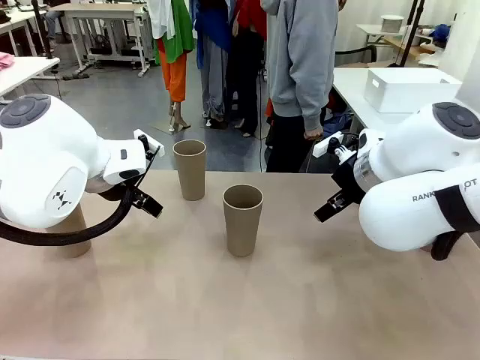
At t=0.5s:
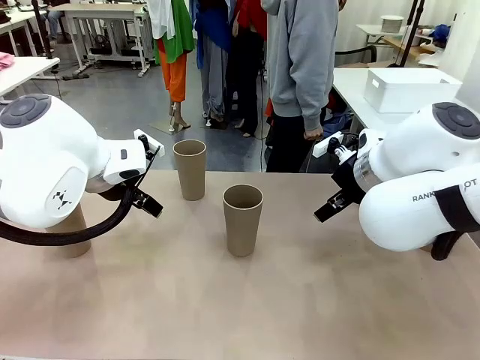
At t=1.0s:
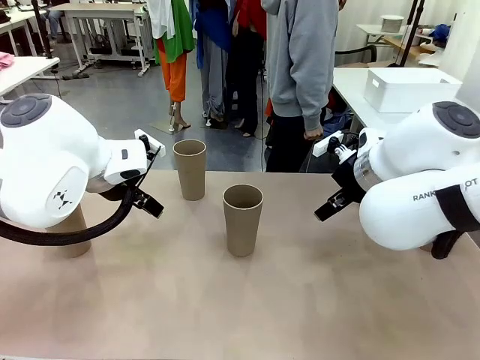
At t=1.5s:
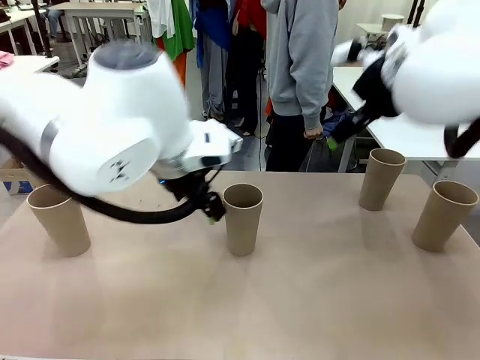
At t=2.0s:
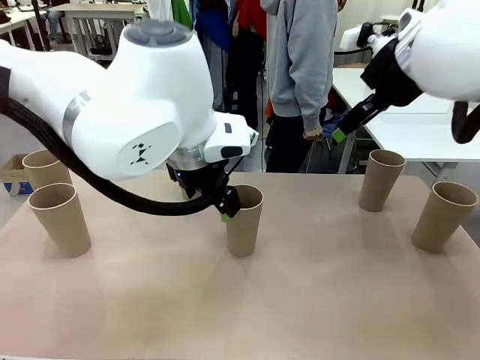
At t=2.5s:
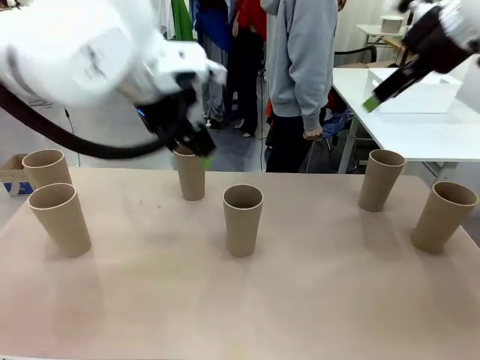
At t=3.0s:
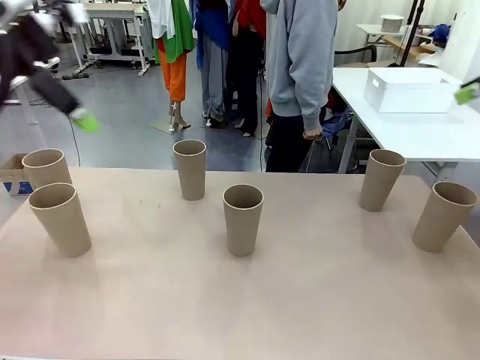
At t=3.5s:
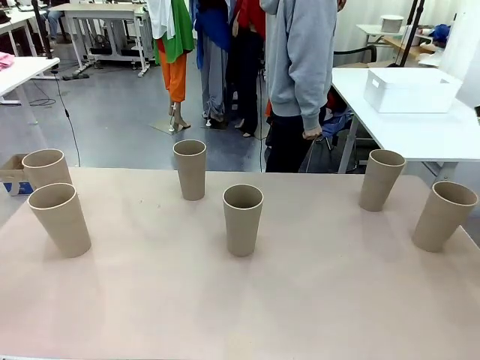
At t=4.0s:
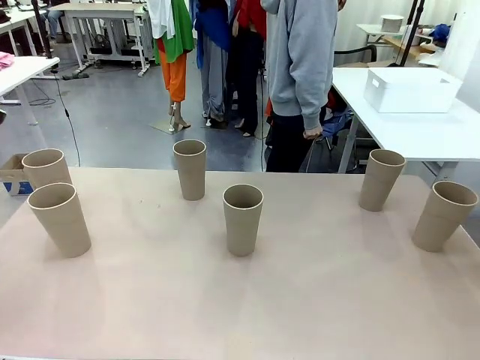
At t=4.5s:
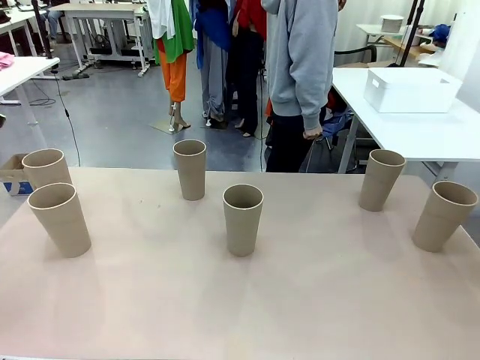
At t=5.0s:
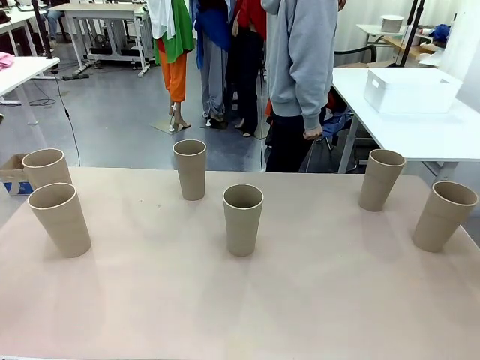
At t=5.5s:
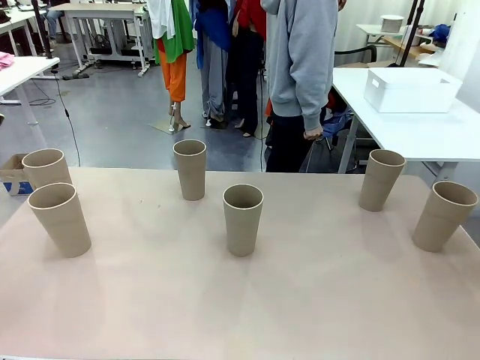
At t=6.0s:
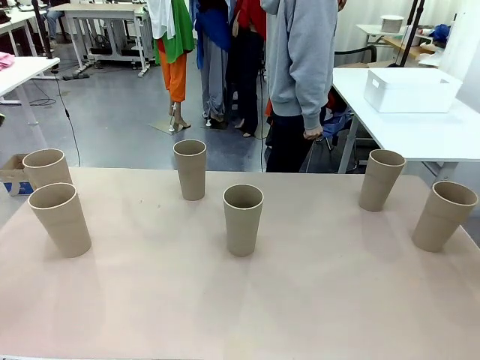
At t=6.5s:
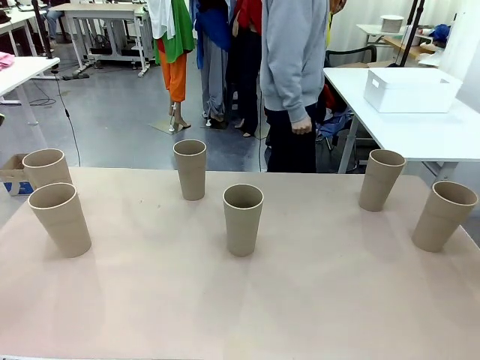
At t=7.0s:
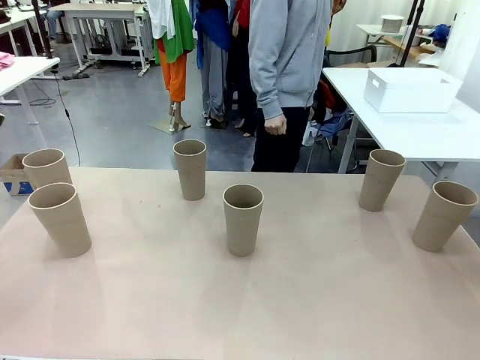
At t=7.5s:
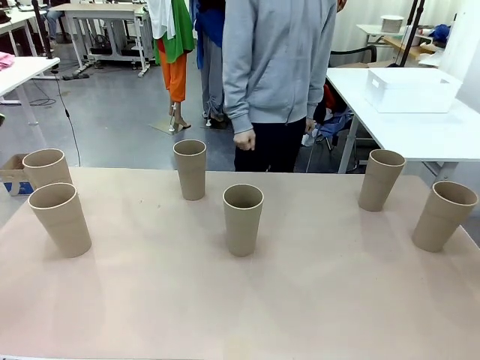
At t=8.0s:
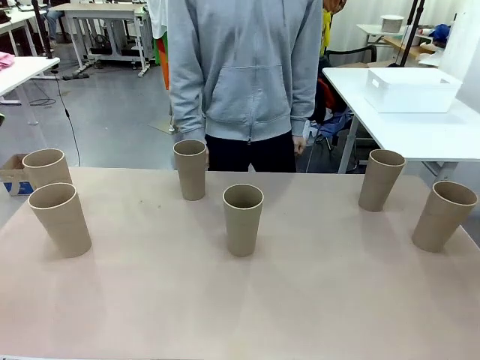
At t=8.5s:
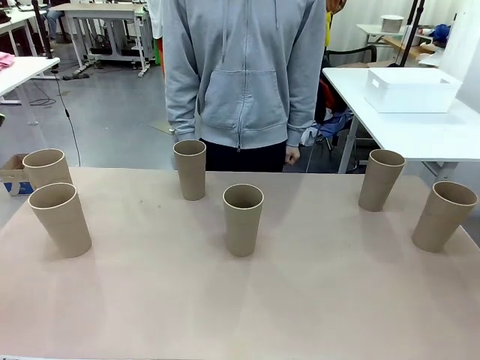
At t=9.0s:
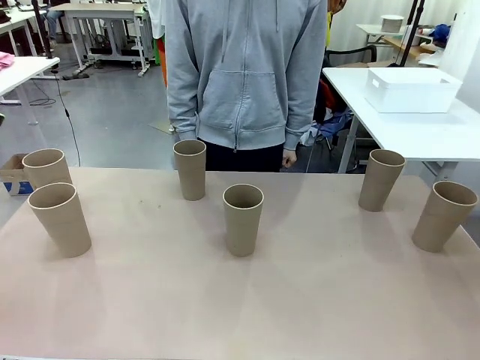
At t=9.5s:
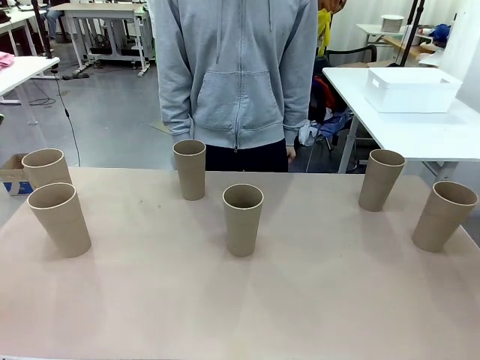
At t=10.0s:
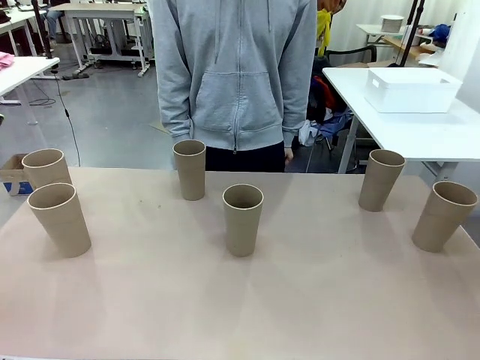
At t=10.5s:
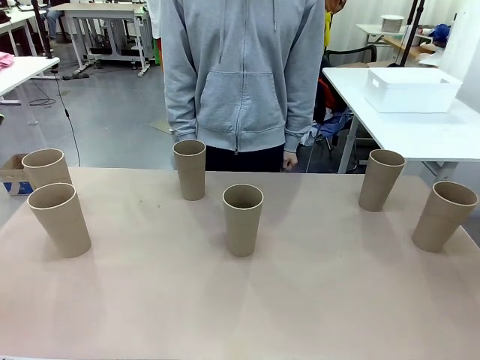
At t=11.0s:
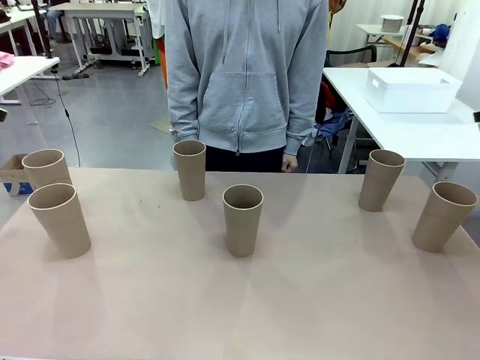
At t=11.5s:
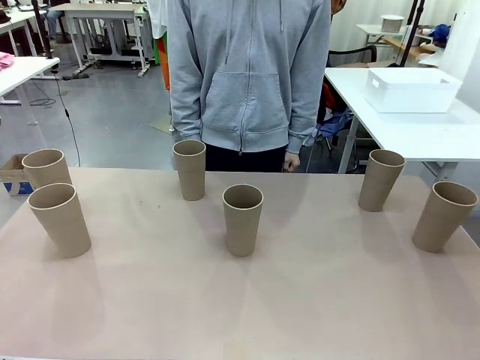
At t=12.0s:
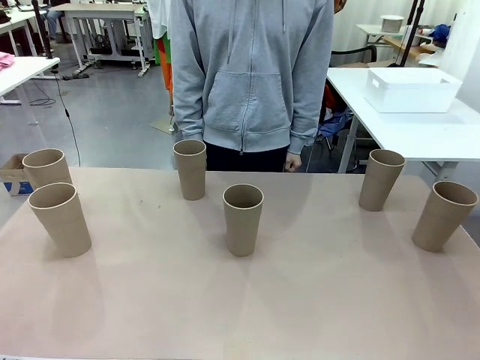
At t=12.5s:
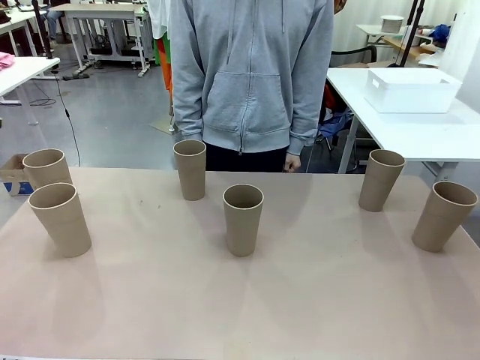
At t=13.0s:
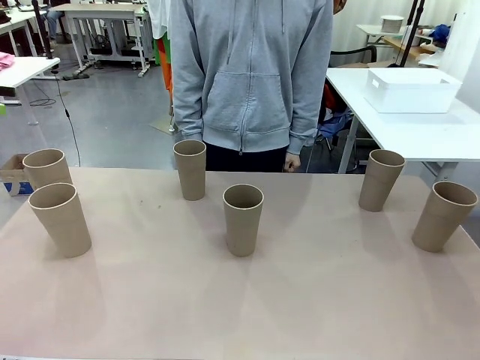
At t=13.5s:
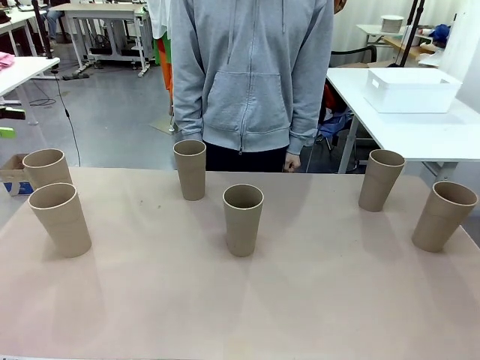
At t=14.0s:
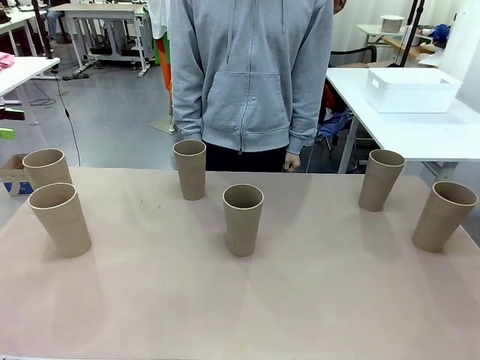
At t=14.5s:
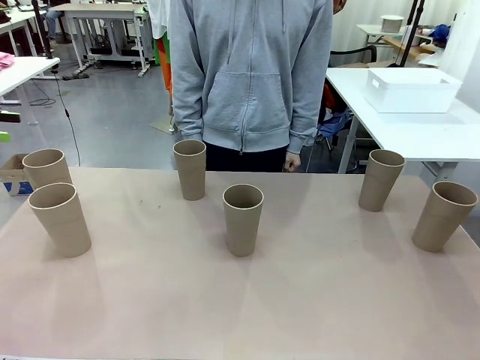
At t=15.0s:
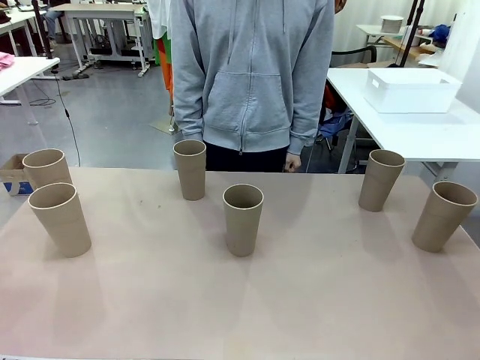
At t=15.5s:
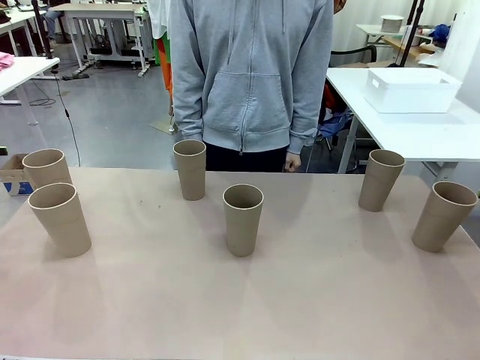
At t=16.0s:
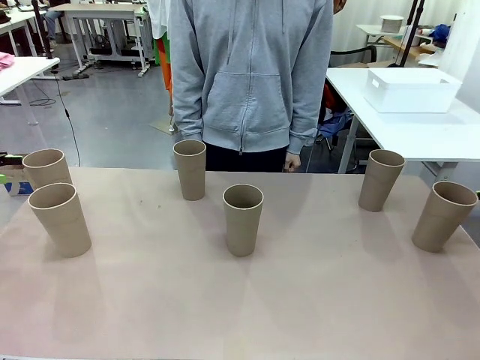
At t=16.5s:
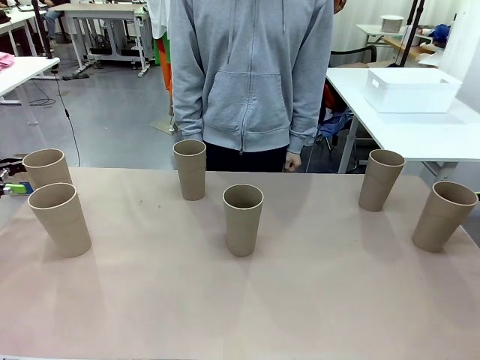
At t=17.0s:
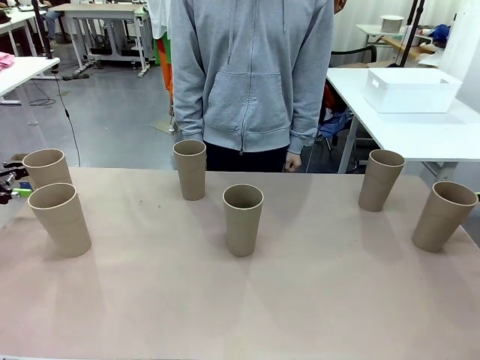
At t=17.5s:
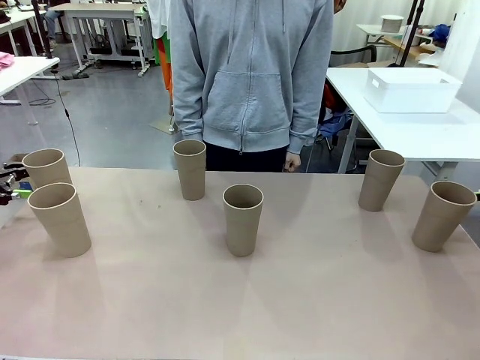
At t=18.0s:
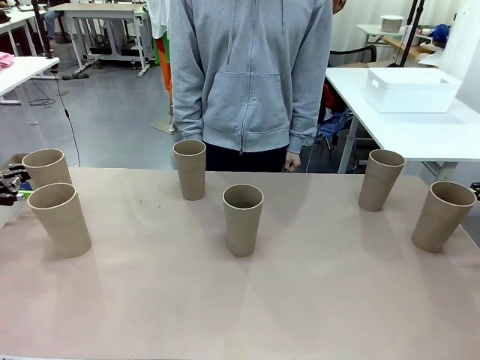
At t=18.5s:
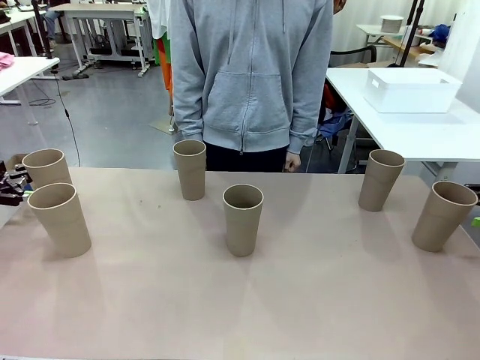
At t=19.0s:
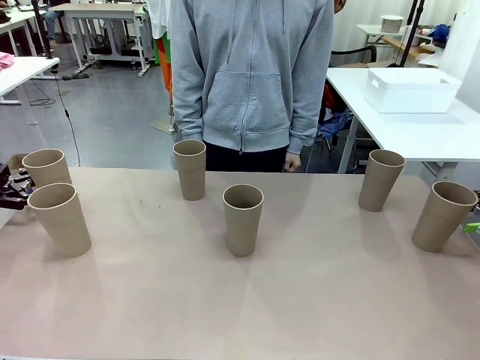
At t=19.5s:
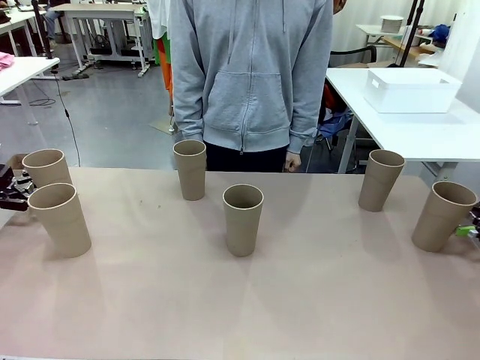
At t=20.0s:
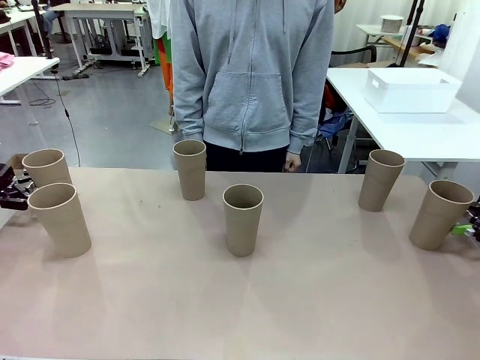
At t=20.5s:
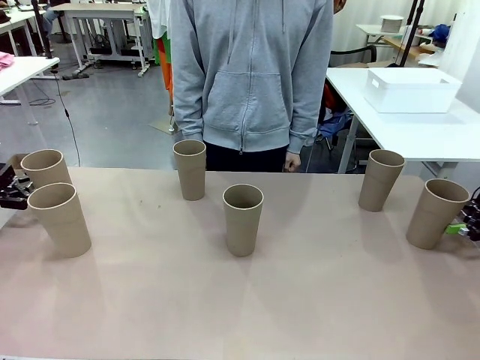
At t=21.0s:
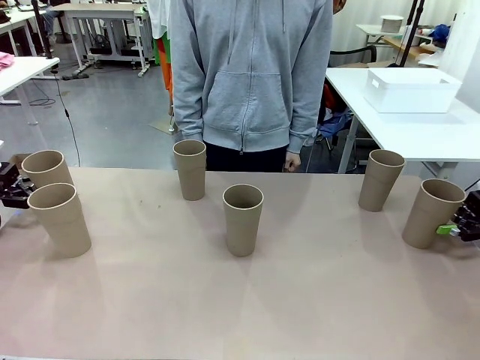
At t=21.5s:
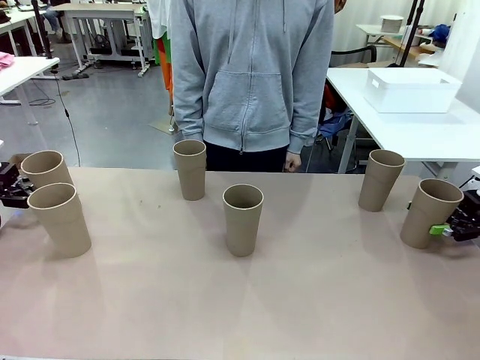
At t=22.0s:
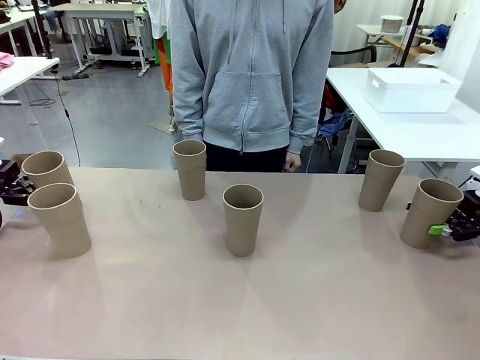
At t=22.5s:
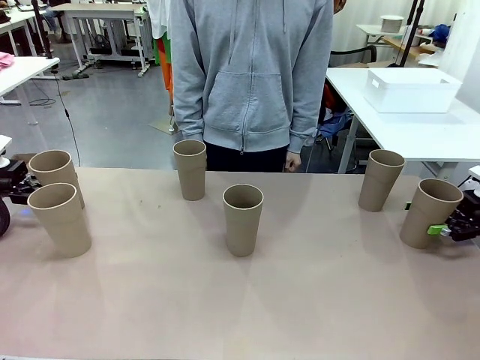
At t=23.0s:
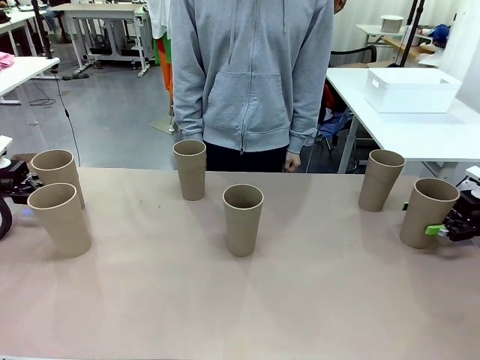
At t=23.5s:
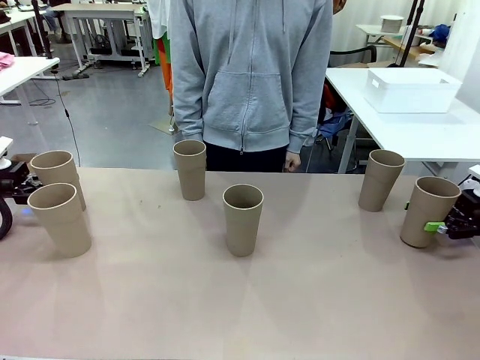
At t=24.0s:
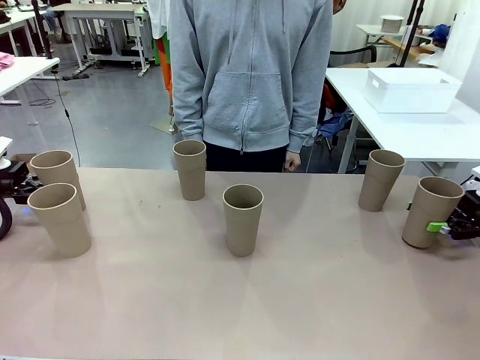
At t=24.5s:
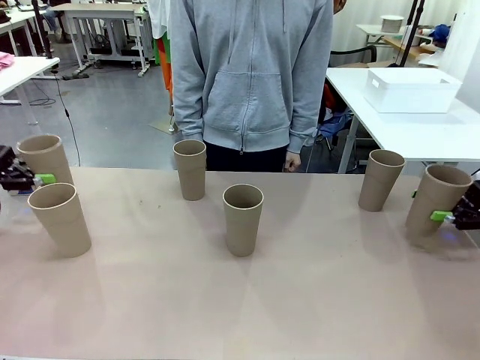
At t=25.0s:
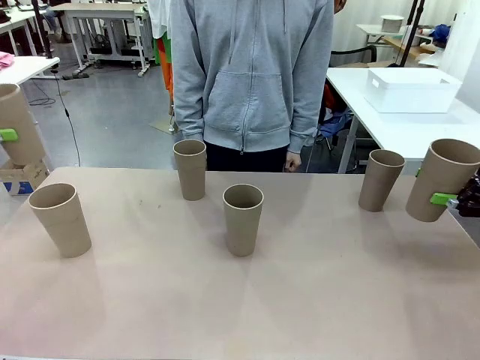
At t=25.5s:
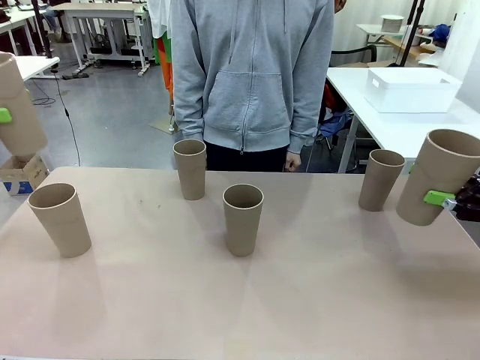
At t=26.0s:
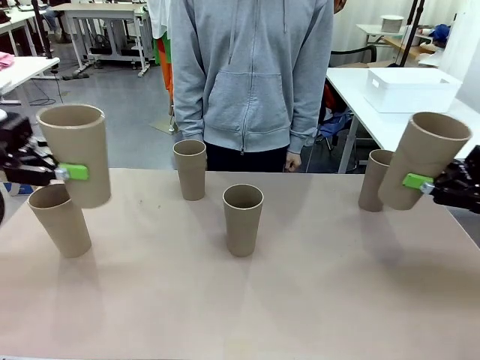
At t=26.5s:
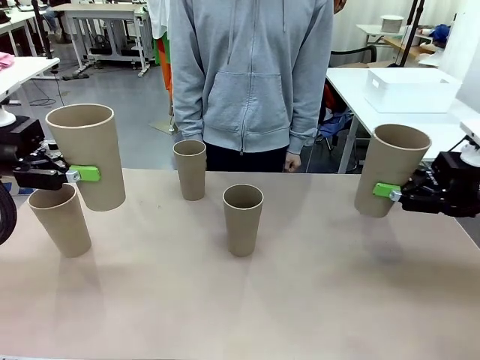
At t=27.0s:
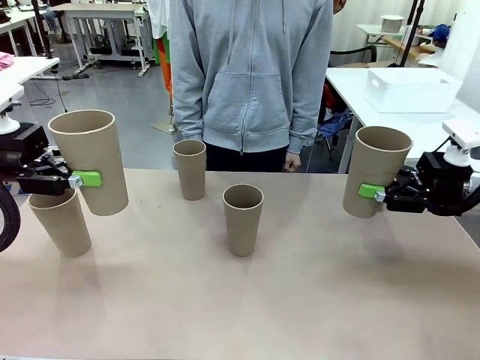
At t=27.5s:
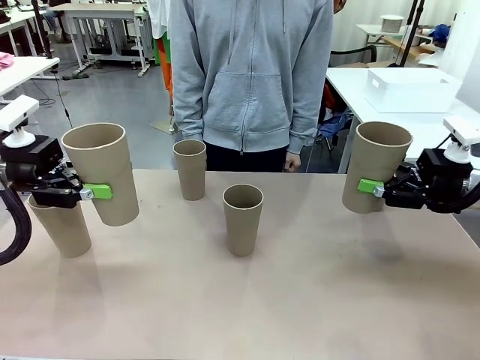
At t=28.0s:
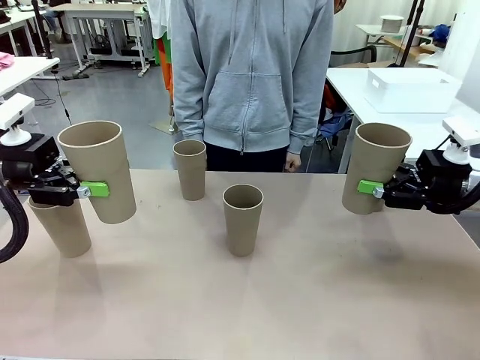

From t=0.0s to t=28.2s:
Task: Stack the cups and store them in the basket.
Robot: Pick up two Reusable plastic cups , one in each hand.
Person: Move from the Human Table to the front of the Robot Table. Stack two of the remaining cups on top of each cup held by the robot.
